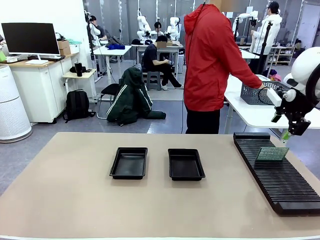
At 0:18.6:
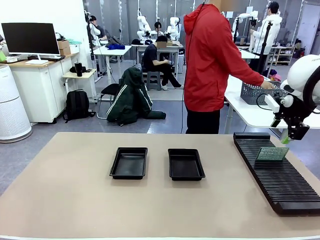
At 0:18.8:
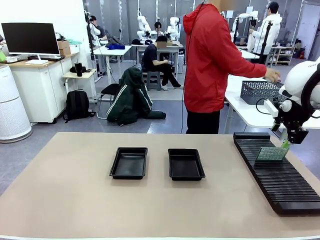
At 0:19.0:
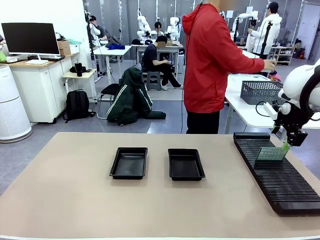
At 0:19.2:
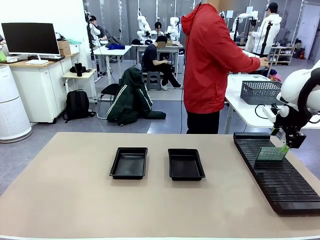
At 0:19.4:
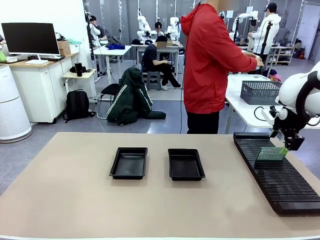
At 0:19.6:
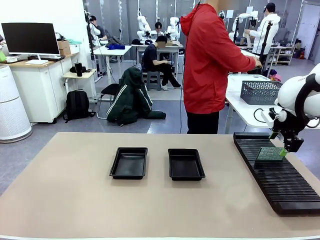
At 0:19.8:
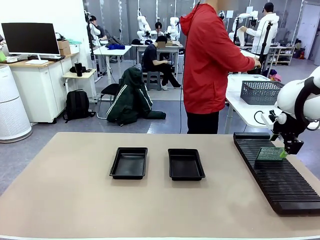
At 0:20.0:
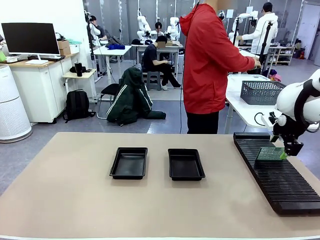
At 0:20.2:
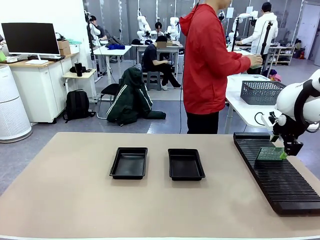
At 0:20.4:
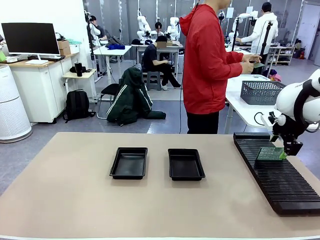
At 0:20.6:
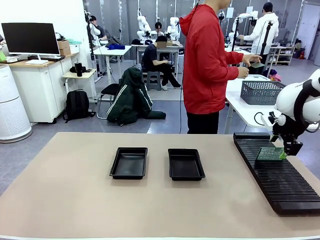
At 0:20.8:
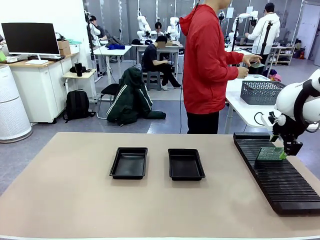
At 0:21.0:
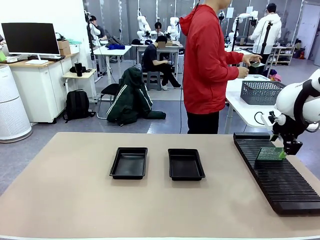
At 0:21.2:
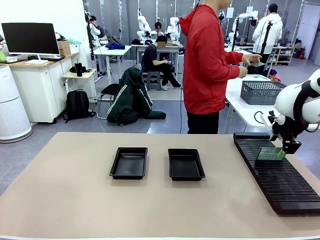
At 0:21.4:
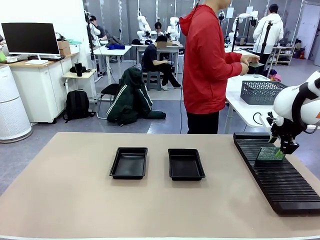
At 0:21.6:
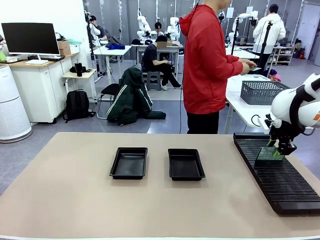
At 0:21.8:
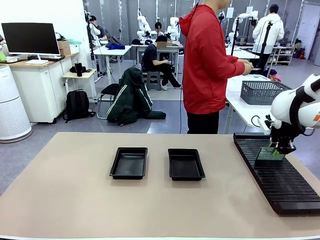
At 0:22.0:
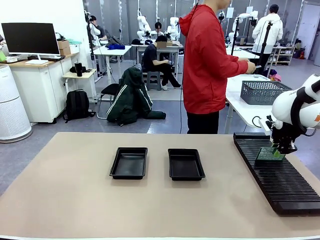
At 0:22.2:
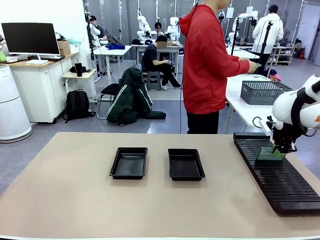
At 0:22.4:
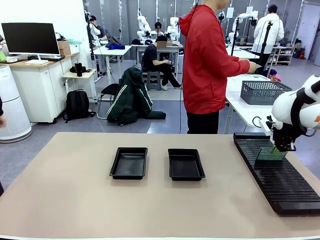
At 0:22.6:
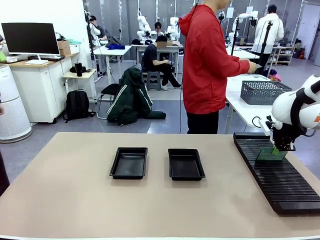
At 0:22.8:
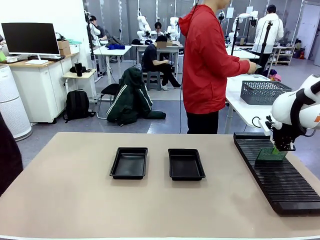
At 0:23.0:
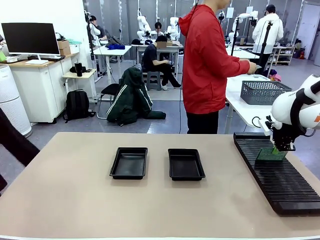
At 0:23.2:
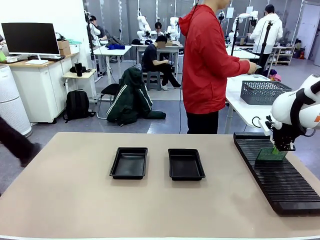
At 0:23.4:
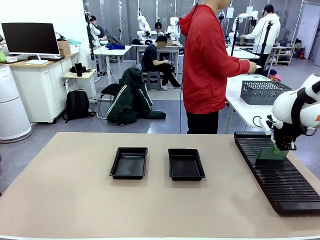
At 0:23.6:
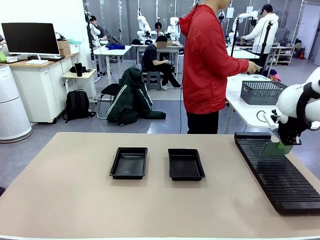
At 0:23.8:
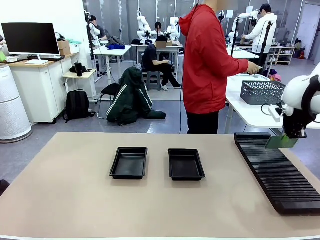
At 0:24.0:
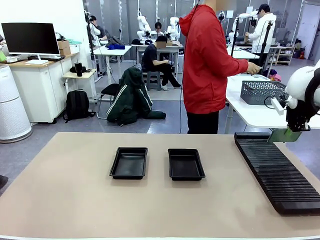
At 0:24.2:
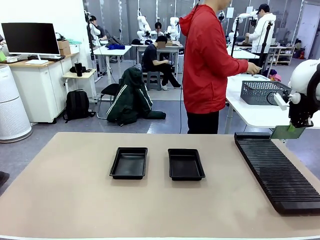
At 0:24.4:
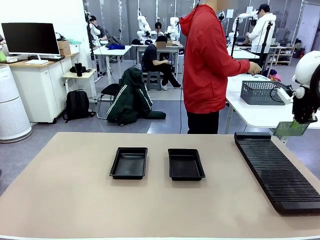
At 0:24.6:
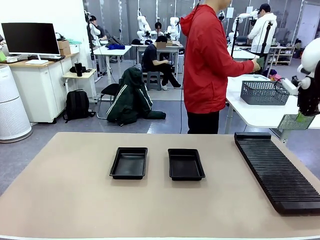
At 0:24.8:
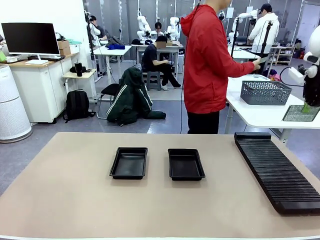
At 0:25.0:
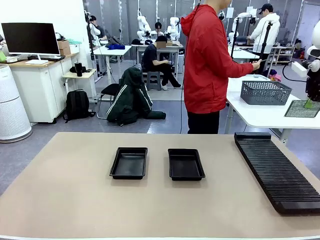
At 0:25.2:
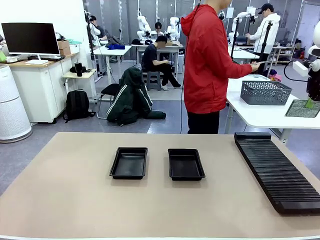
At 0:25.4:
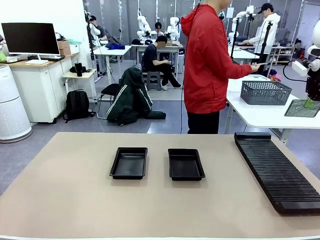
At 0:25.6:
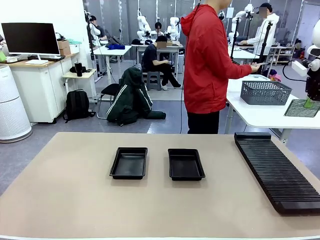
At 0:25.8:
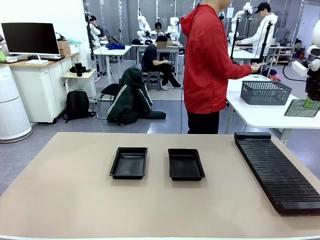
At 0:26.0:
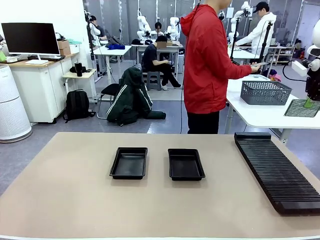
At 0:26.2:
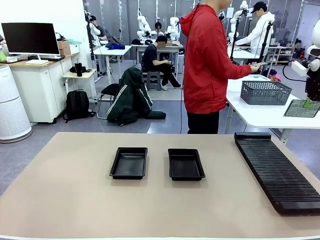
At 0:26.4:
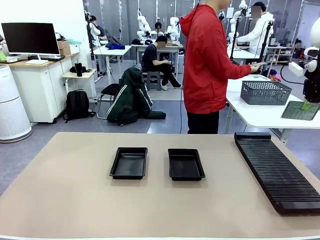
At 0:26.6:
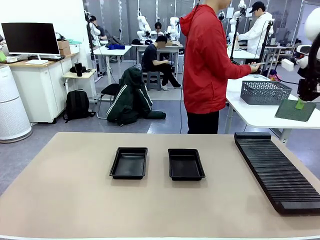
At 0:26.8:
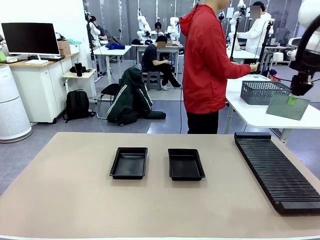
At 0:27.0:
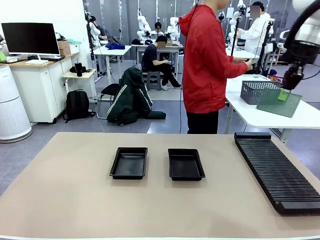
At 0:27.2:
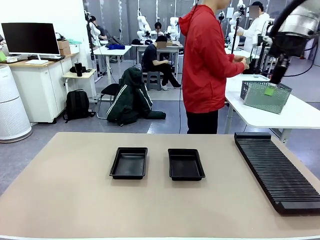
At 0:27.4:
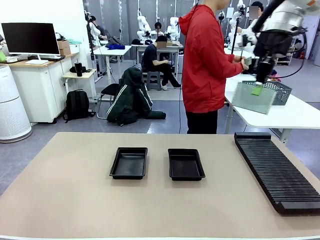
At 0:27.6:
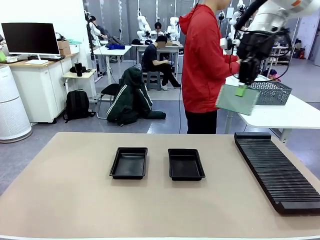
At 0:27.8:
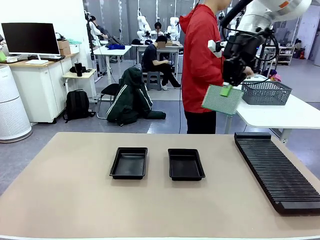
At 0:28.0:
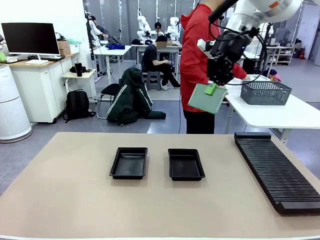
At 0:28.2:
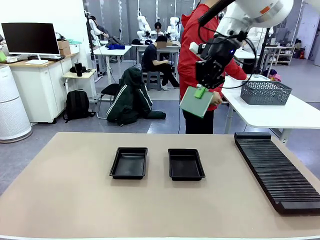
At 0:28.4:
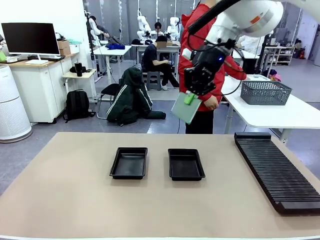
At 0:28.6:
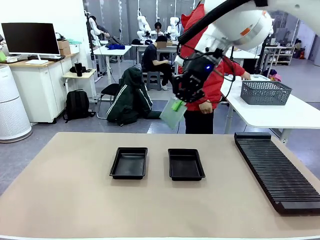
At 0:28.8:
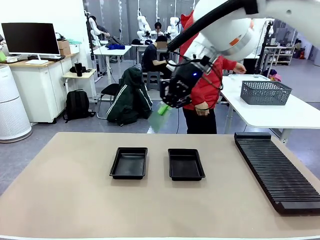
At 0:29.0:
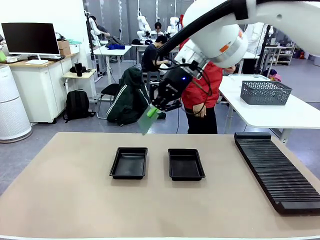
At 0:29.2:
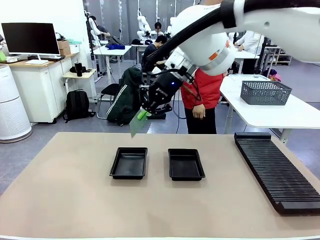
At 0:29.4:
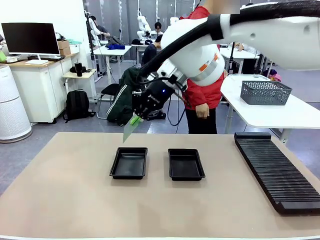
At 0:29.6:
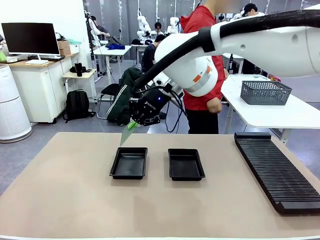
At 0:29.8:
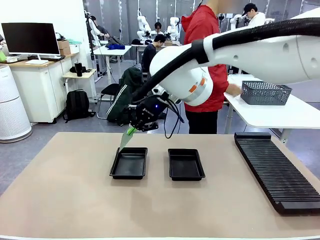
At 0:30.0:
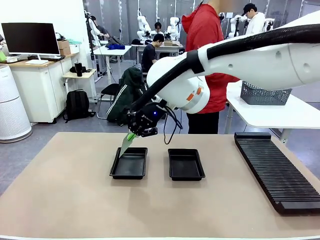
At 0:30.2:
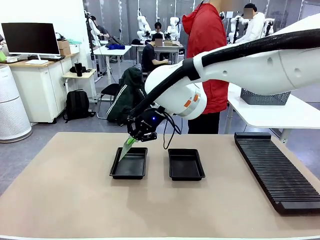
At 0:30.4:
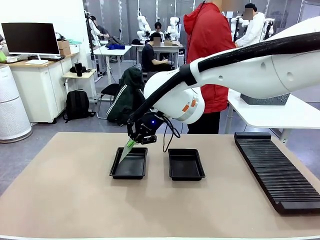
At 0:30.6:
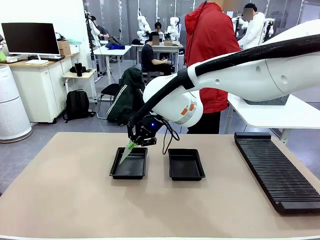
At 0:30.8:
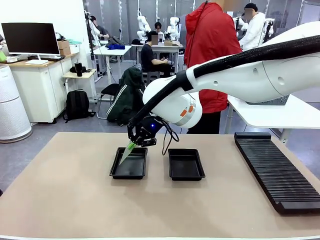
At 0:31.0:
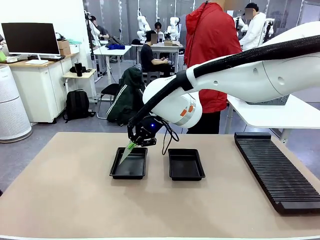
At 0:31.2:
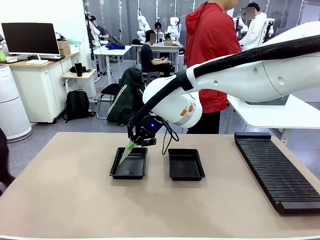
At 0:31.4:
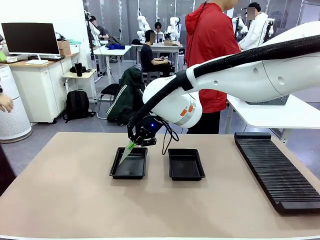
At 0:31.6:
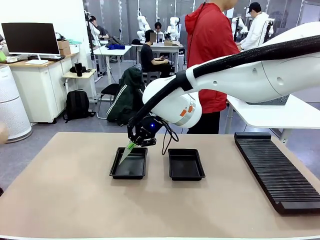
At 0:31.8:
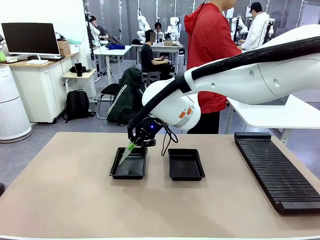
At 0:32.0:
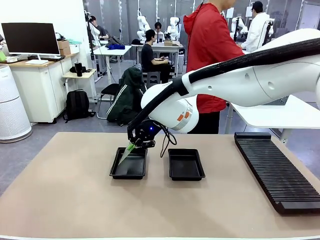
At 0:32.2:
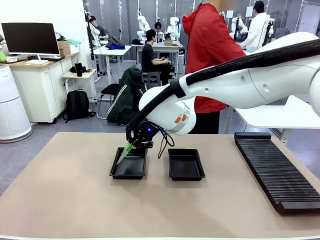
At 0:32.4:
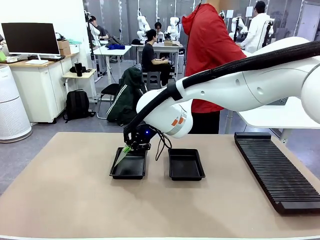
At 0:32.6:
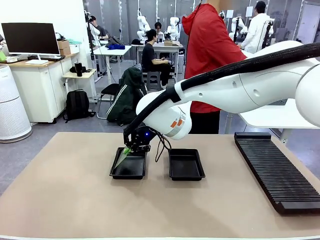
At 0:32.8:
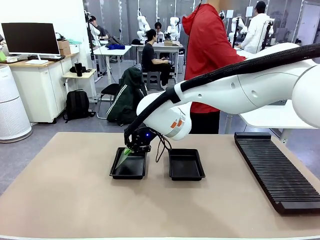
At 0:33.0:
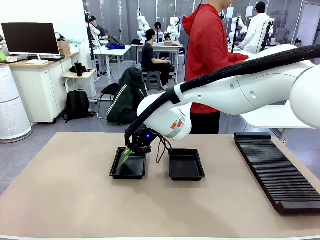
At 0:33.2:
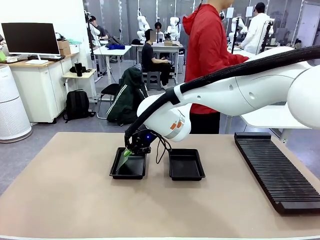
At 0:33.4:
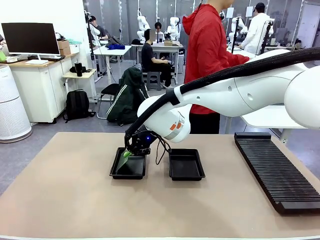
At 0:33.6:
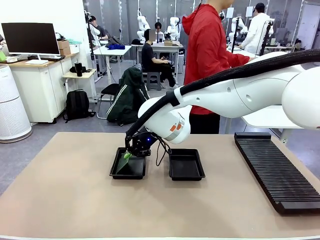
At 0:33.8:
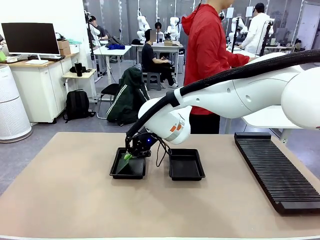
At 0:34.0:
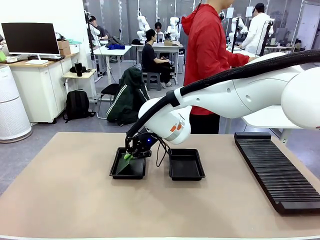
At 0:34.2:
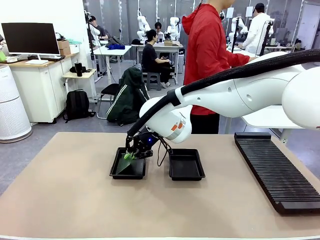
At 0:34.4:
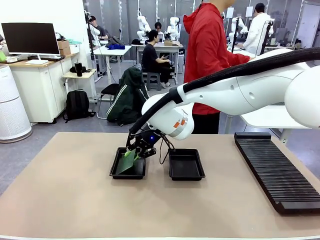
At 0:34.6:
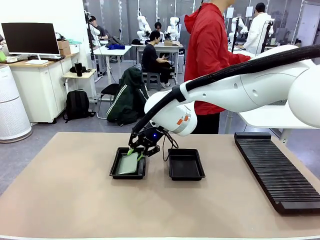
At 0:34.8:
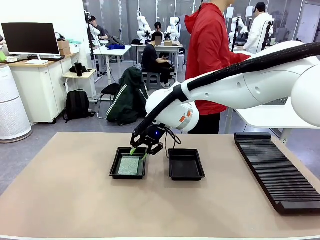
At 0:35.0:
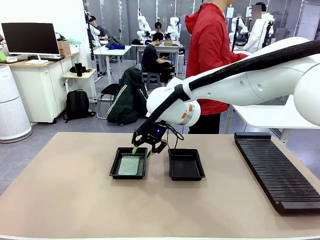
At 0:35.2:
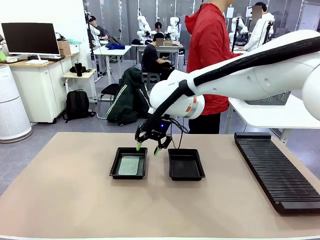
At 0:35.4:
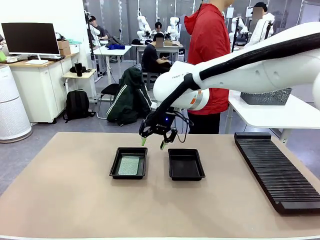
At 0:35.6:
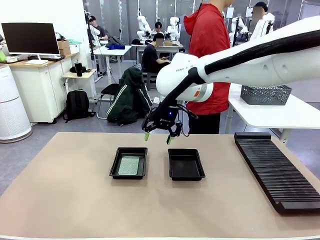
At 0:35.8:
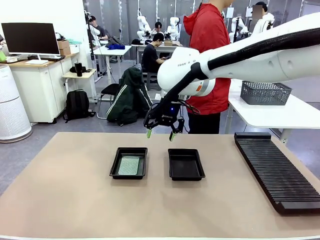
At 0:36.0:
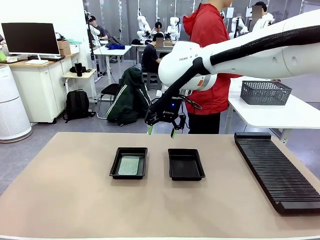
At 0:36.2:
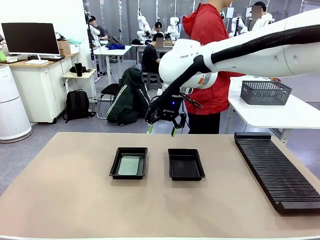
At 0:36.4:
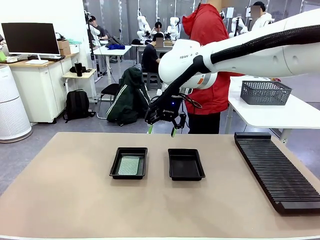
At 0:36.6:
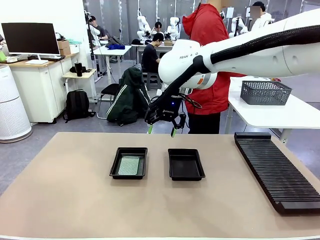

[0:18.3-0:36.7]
Task: Inspect and transfer BCBs to ESD trays.
Robot: Pick up the Blank PCB from the PCB Rack and place it in the left ESD tray.
